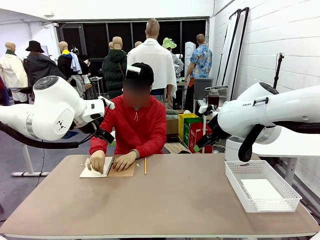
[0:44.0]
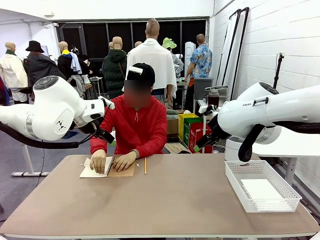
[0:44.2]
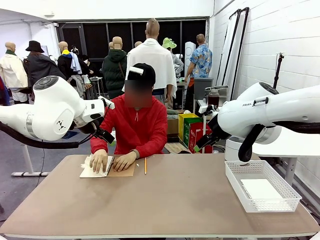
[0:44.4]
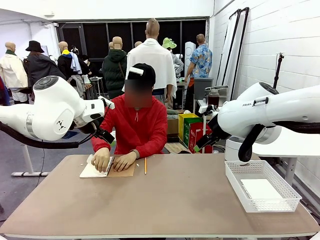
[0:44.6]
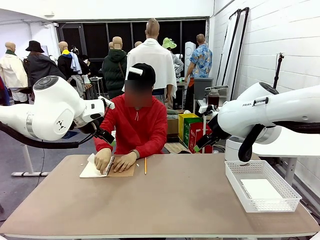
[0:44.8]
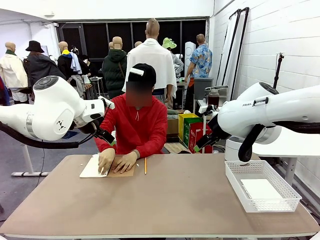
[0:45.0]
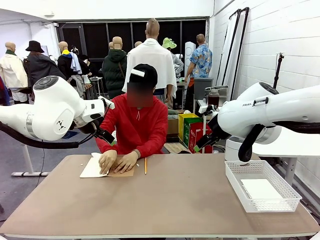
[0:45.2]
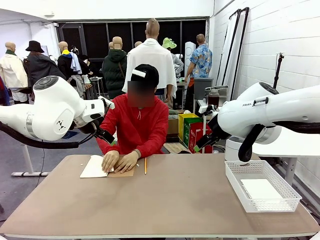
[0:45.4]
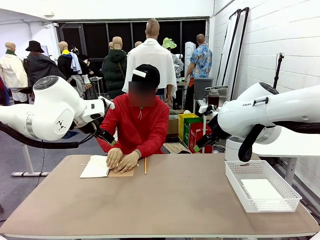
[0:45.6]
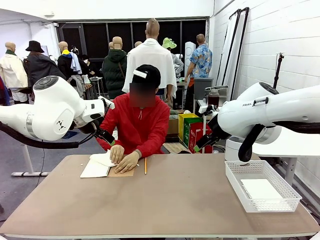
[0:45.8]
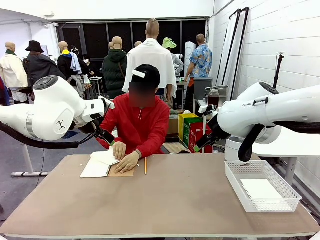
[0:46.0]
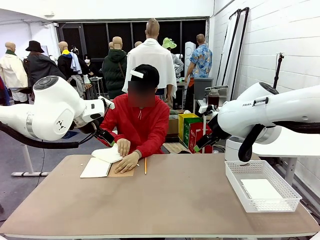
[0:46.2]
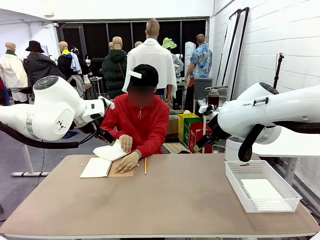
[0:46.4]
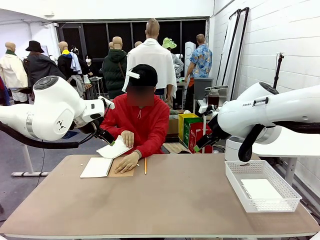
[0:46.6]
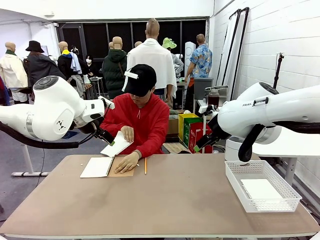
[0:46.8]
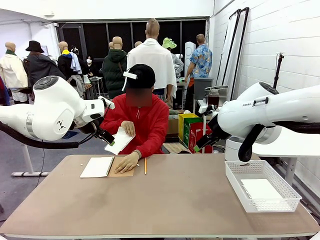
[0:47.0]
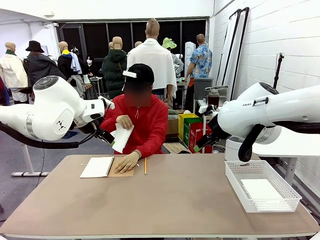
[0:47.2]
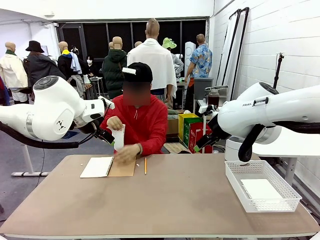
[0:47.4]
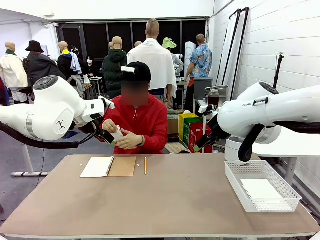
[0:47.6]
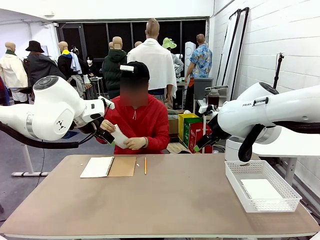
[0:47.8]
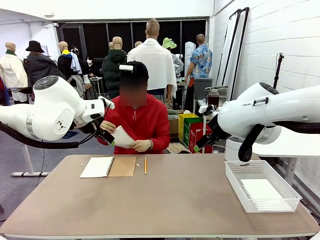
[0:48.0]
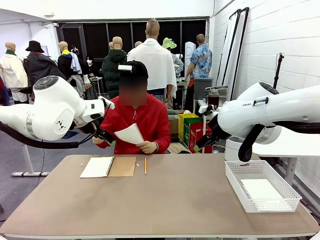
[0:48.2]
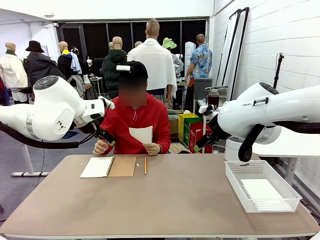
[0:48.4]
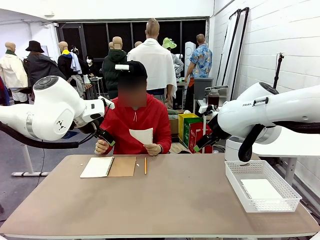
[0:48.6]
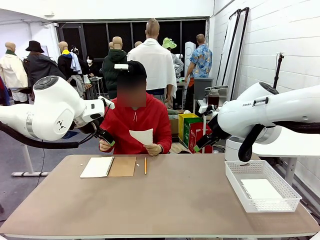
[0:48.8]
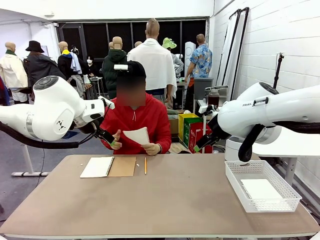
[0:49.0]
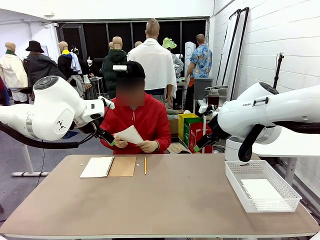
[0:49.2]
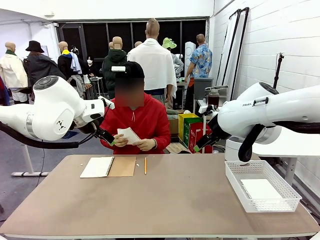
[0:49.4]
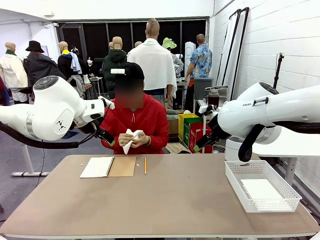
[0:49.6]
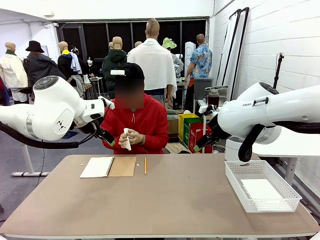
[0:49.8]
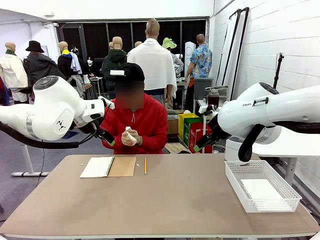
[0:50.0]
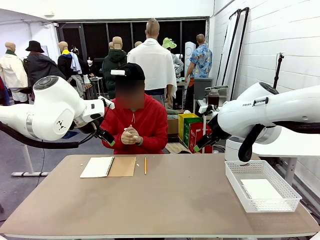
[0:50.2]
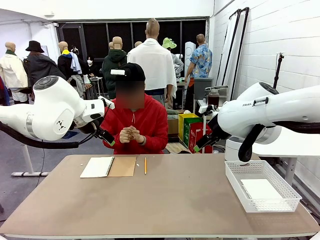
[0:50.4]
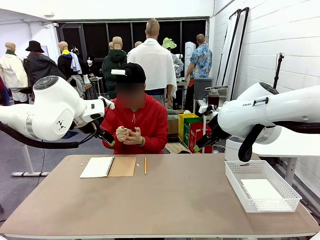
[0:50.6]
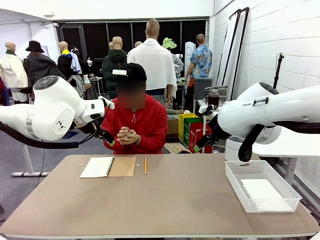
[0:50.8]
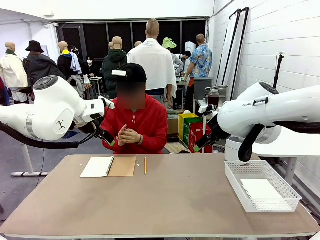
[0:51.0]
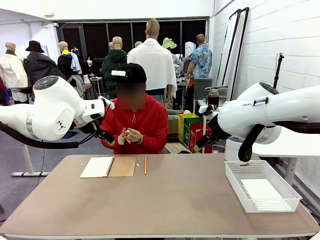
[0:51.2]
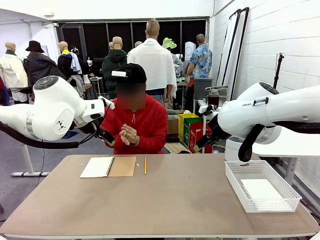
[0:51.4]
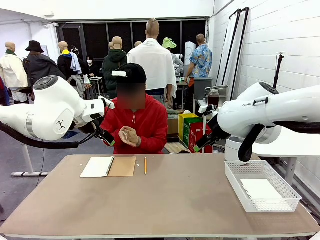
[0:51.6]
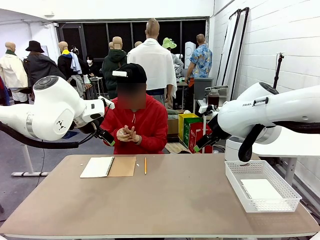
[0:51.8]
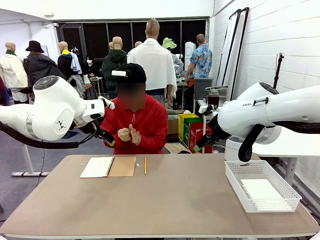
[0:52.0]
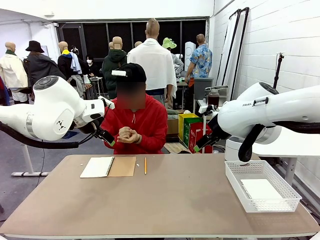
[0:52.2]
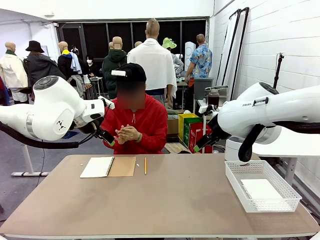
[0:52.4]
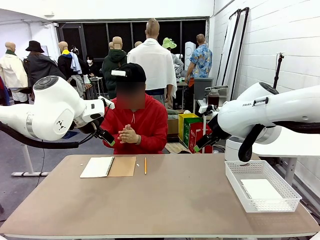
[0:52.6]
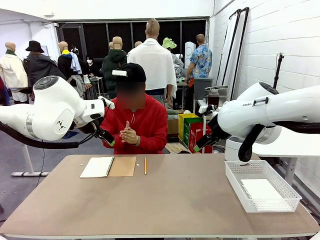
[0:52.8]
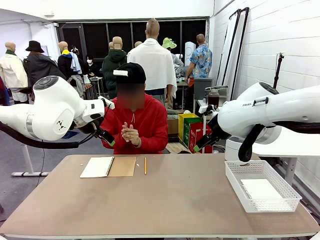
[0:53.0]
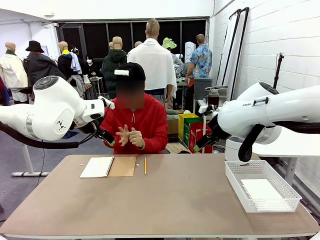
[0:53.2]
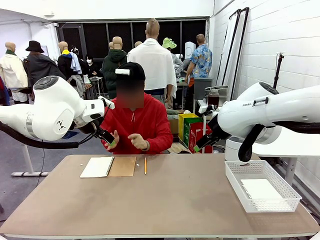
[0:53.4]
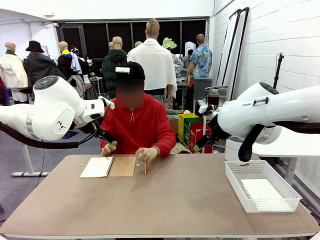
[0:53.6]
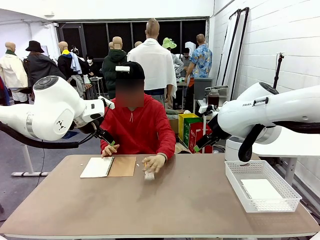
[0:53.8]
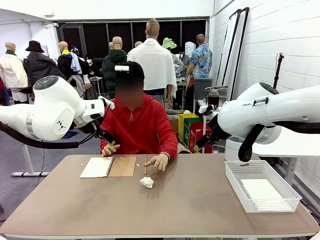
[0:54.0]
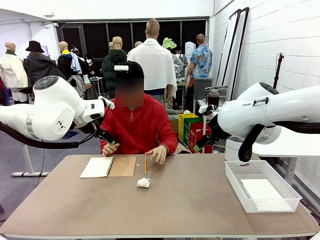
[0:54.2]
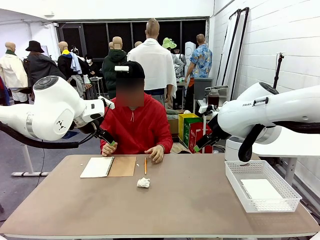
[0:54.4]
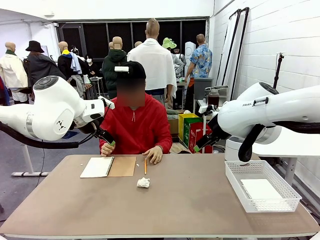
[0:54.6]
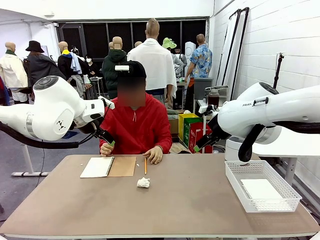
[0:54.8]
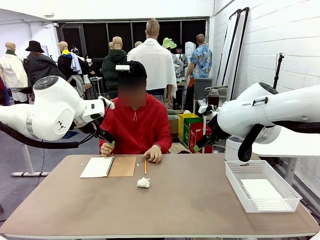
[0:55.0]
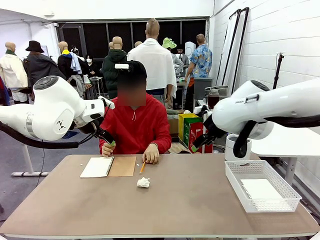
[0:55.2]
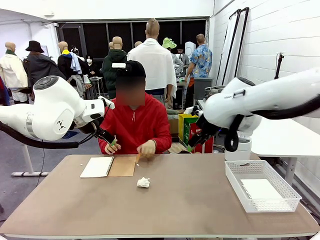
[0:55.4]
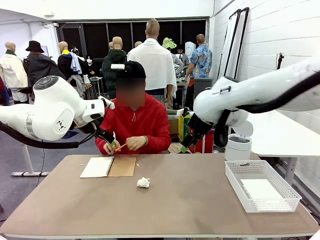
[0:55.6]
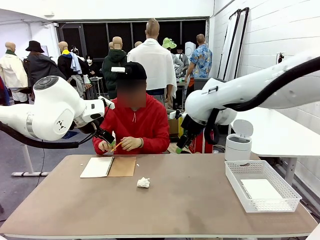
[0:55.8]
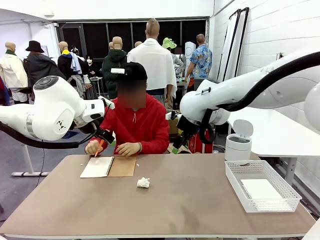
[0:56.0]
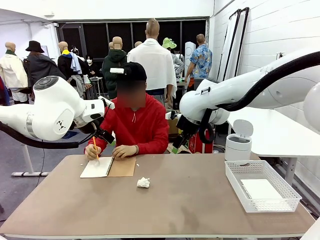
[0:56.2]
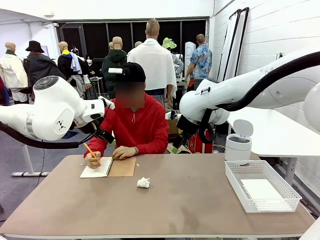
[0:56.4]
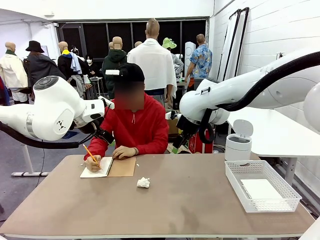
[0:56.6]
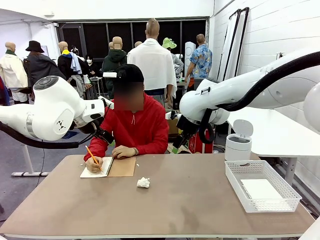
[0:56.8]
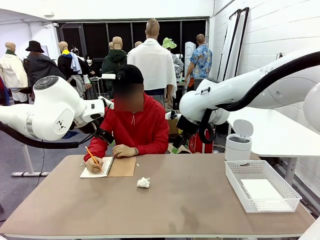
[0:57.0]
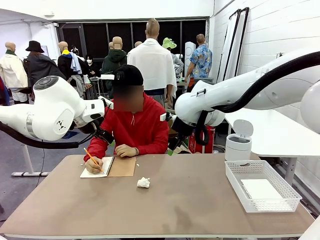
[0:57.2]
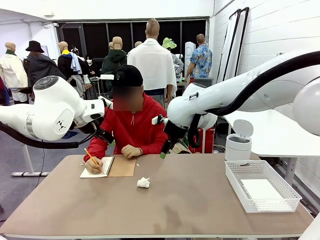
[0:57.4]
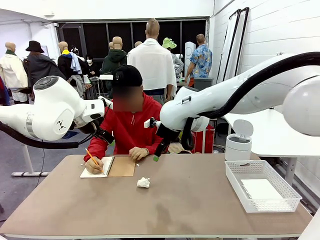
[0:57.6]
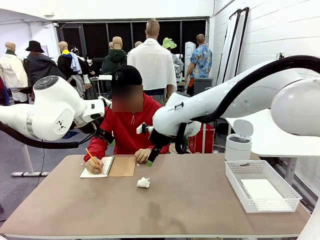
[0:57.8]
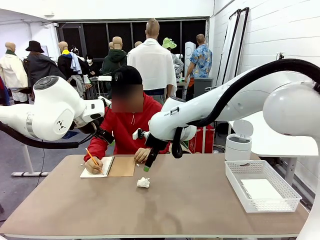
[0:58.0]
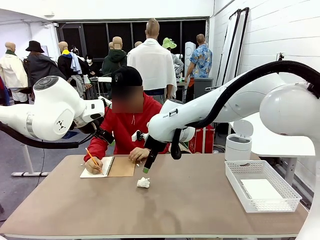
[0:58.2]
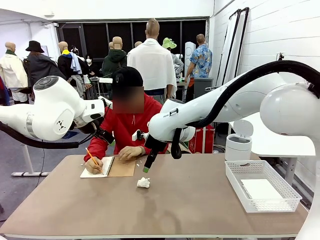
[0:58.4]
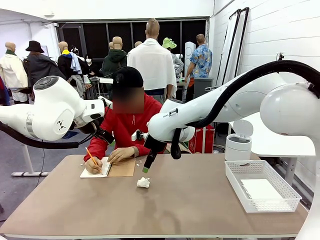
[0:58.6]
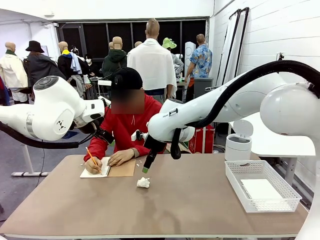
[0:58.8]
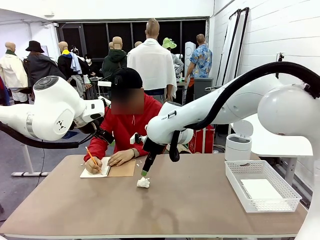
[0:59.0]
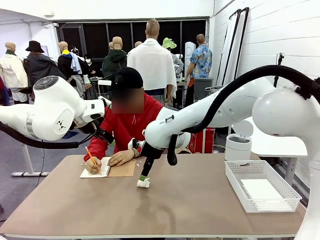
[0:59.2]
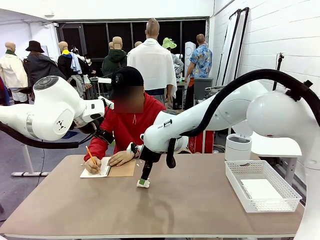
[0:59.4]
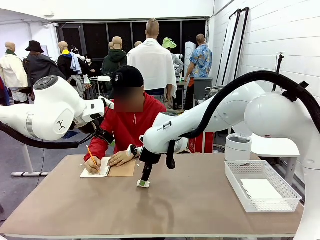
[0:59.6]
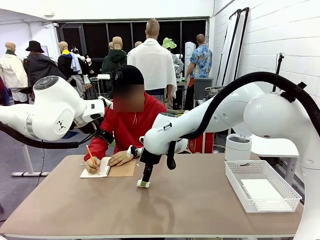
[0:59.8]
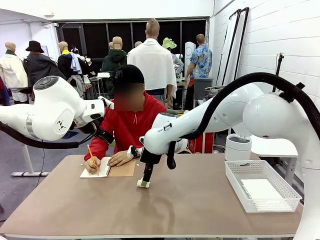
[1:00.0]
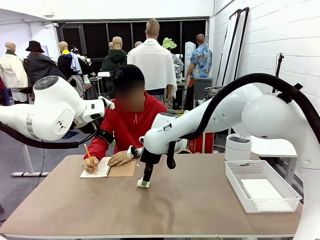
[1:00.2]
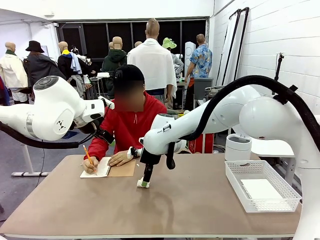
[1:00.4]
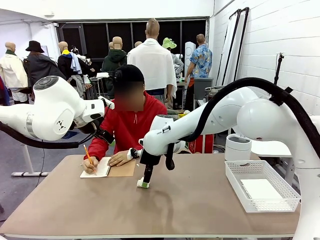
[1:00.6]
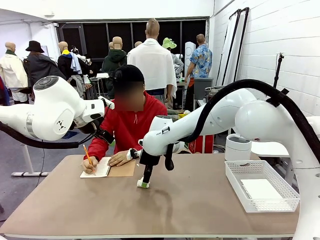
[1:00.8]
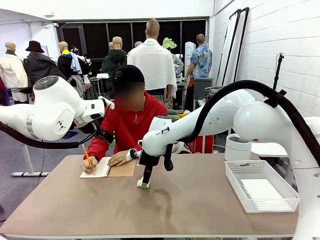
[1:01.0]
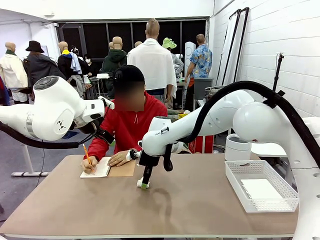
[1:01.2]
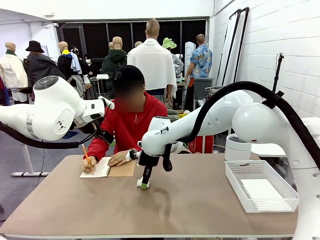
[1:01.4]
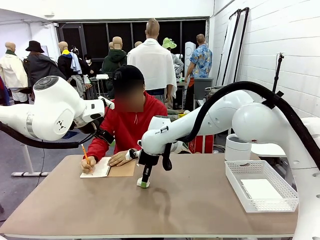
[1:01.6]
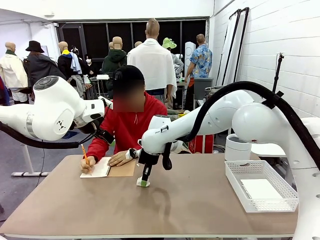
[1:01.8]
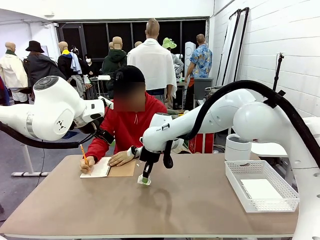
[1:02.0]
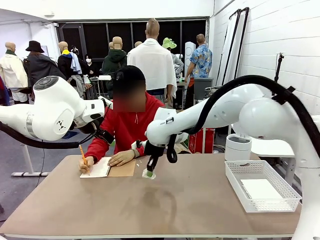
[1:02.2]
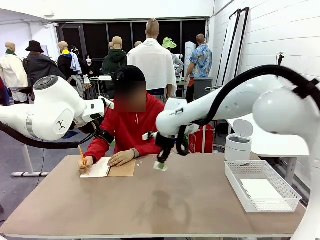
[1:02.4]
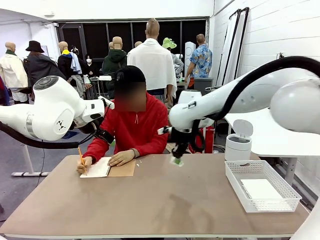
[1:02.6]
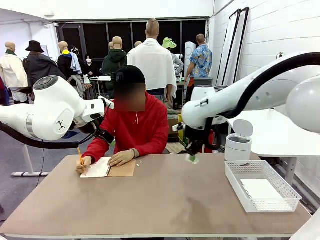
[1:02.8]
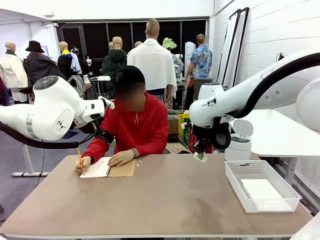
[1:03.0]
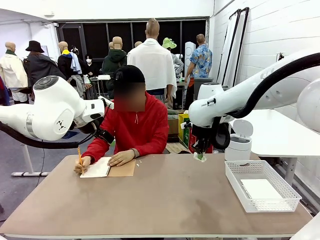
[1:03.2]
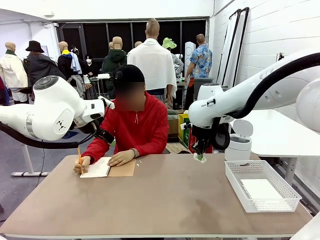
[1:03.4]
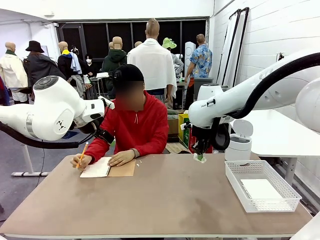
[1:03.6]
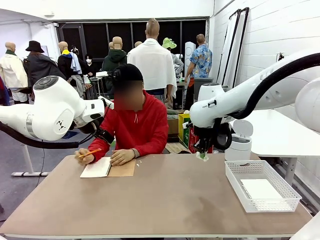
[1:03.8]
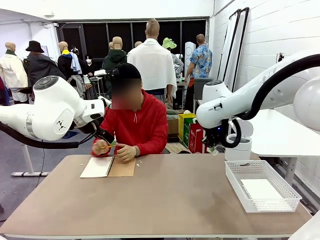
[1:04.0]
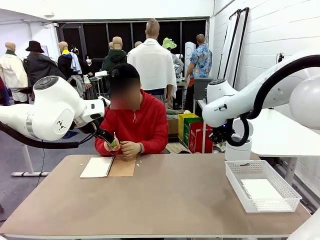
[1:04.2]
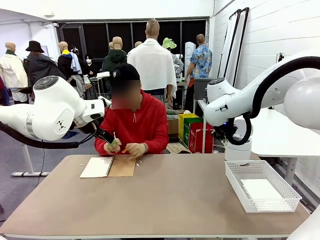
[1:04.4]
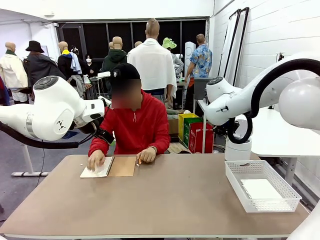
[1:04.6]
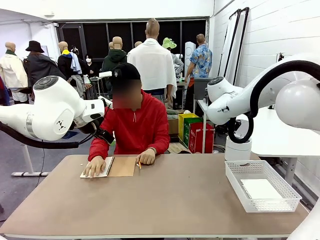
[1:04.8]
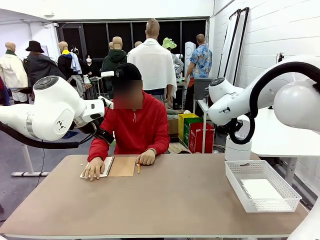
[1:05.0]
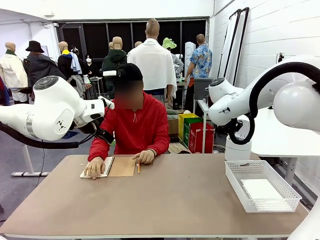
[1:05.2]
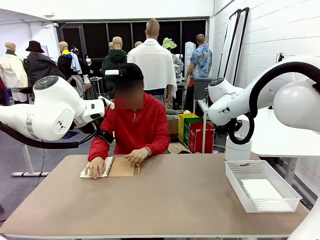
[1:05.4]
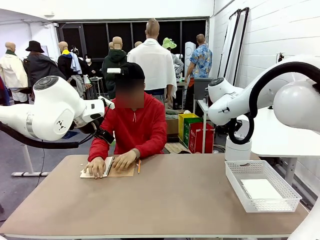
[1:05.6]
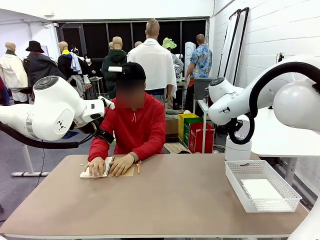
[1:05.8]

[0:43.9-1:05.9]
Task: Sort the paper based on its condition.
Robot: If a person hands you a paper, place it in the Organizing basket , and if it's crumpled, put it in the Trash can.
Person: Hand the torn page to the robot or crumple it and throw it to the center of the table. Tear out a page from the spiral notebook.
